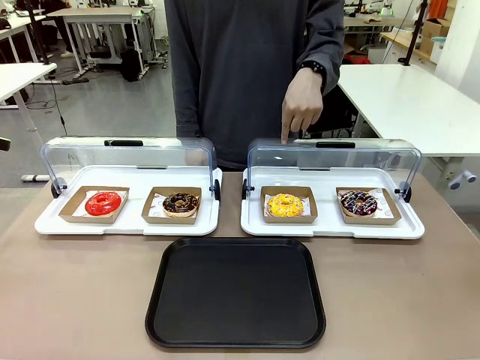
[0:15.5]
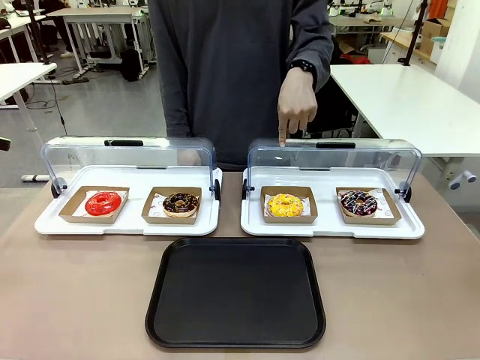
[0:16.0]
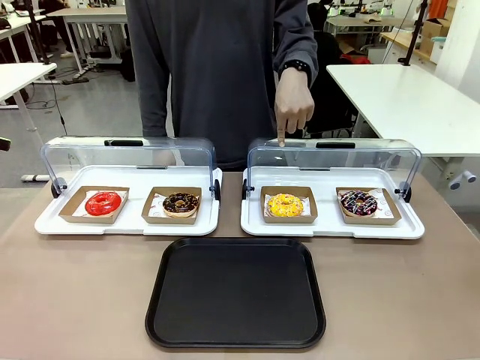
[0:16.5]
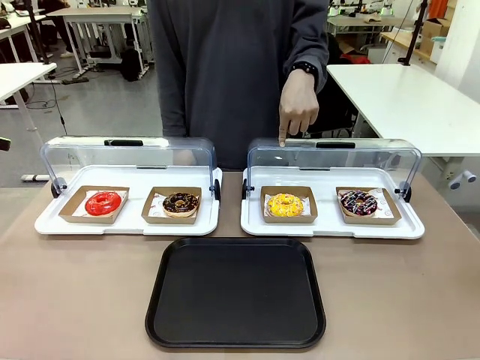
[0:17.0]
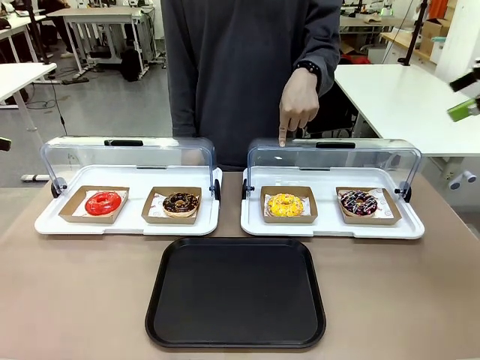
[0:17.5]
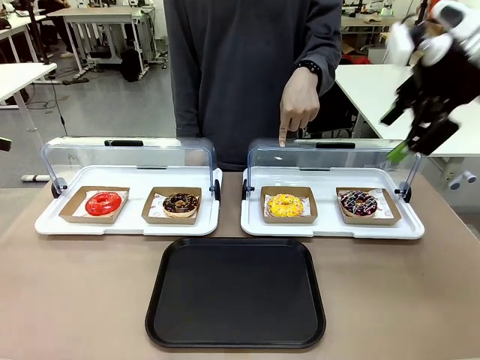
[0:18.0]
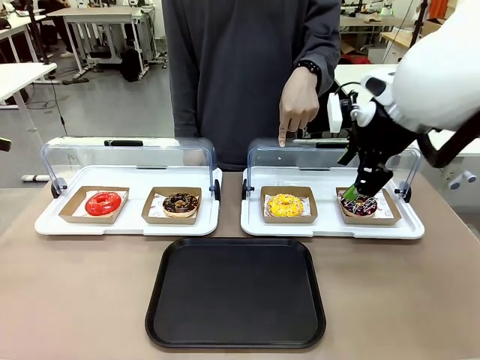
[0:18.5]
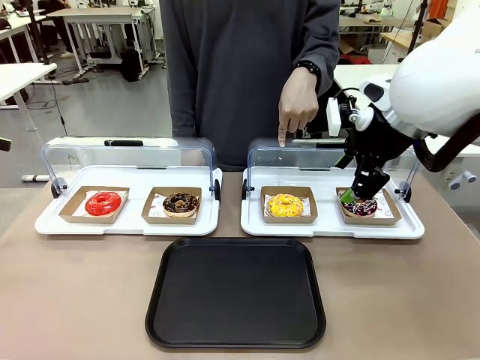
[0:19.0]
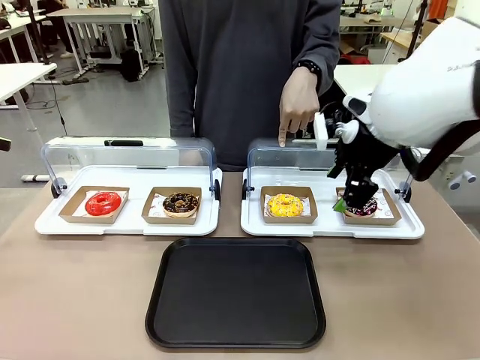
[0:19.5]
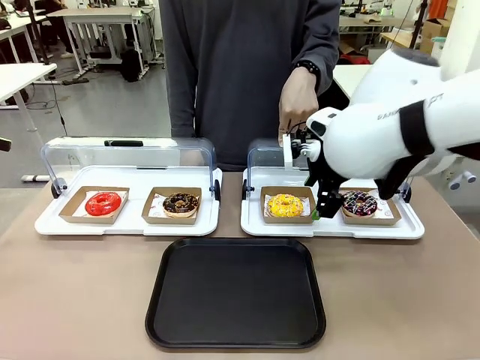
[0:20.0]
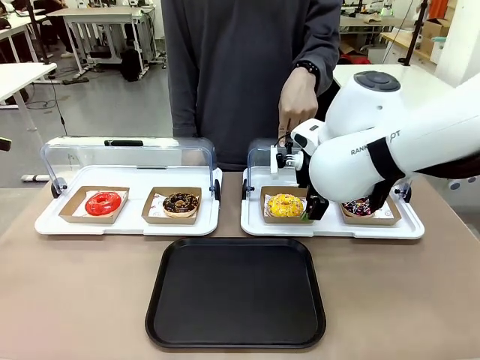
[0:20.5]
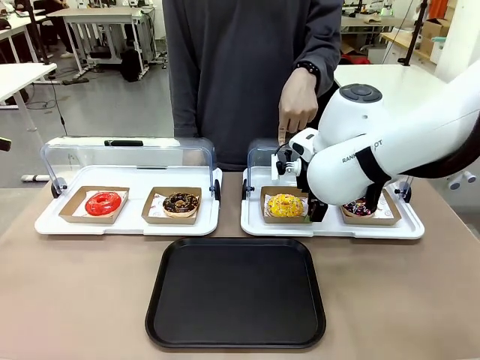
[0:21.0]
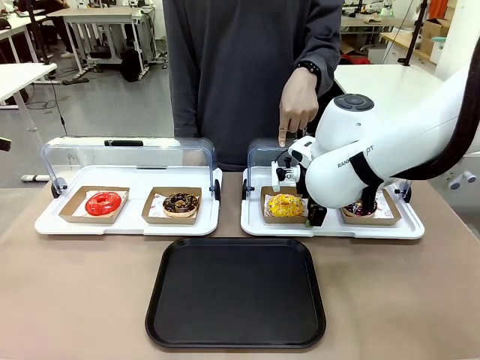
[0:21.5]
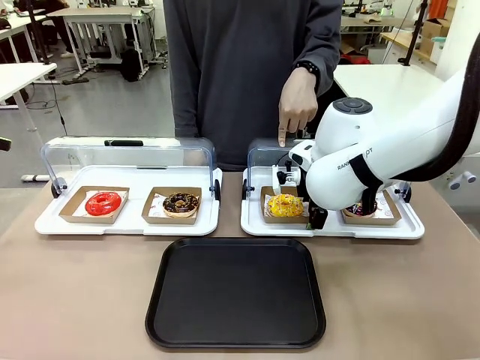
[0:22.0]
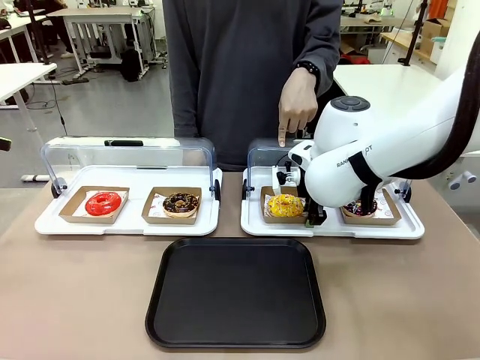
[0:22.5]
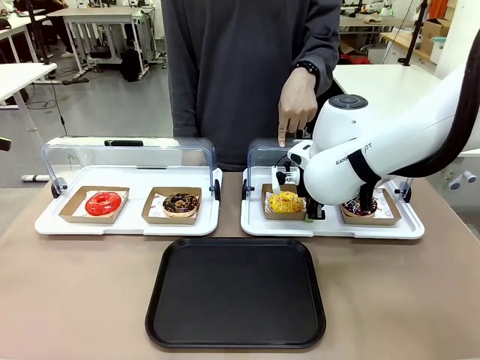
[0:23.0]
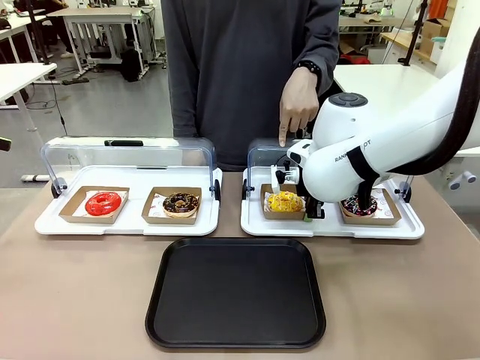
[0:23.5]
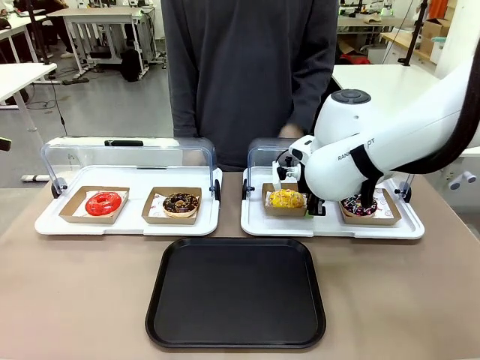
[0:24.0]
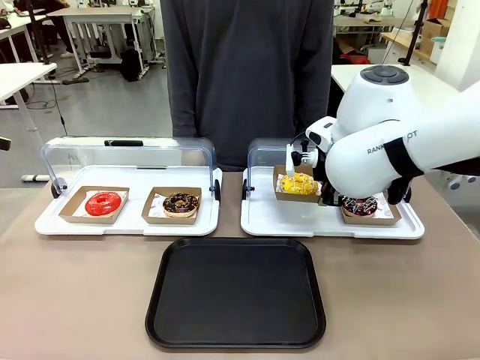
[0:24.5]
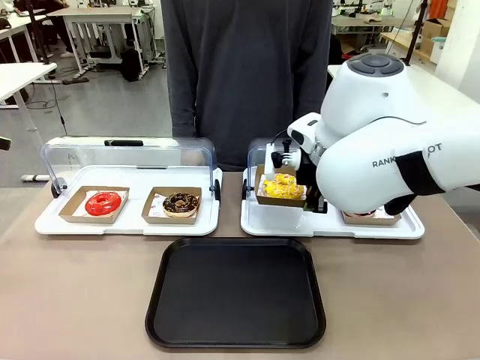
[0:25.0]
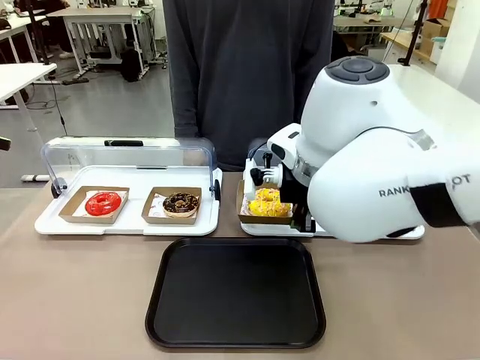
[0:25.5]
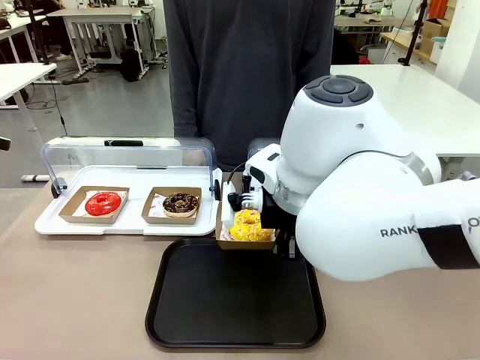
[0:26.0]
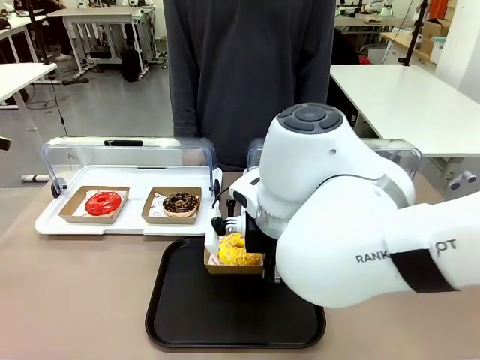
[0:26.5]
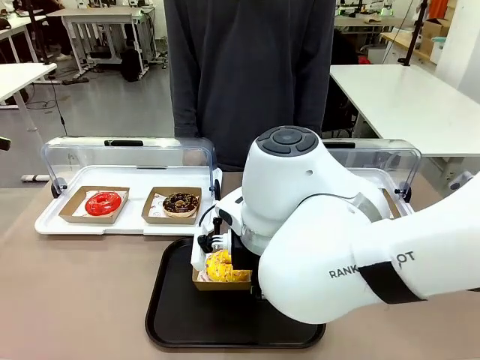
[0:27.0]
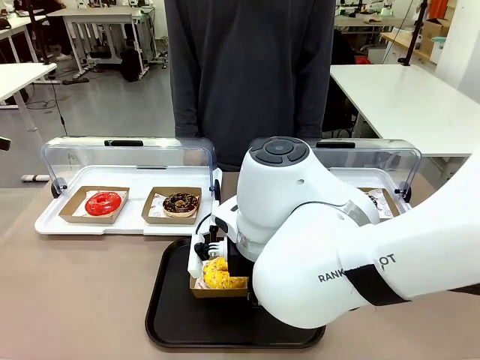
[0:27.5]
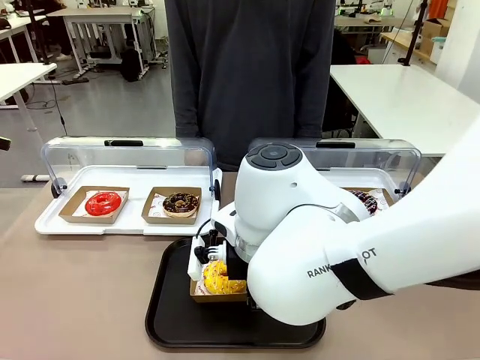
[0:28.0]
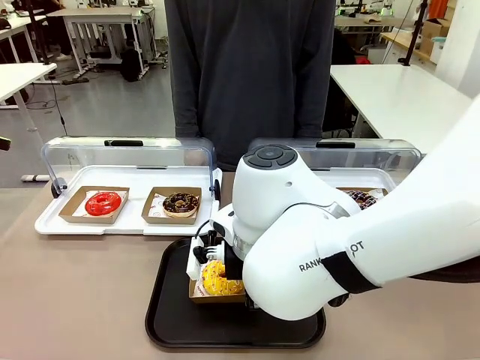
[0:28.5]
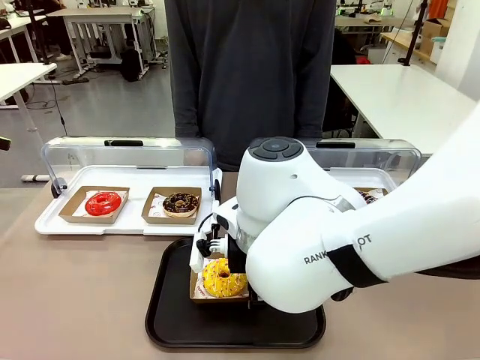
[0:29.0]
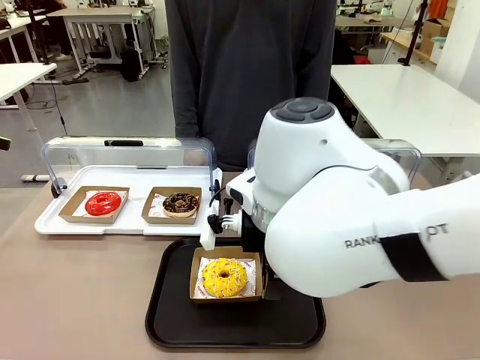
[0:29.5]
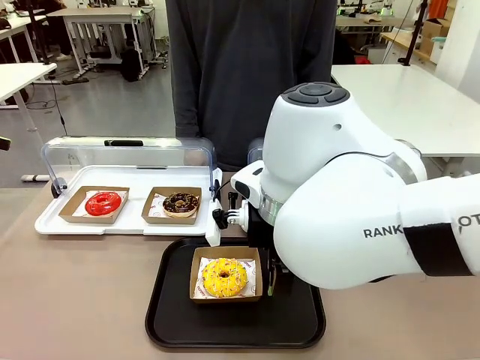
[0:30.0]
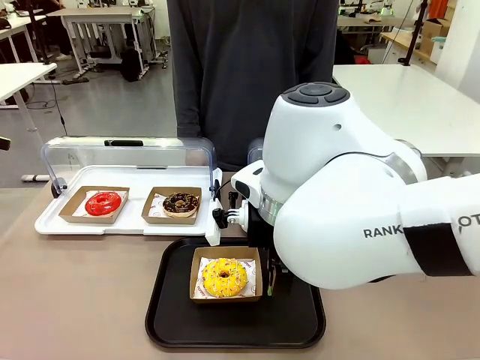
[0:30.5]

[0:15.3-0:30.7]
Task: Move the third donut from the left to the tray.
Robot: Pick up the Paper togo box containing the Donut indicated by the person and place it on the Handle tray.
Person: Points to the third donut from the left from the robot’s perspective.

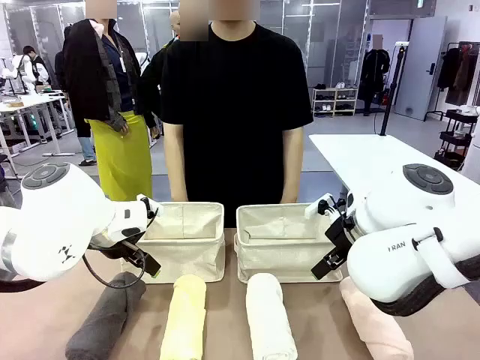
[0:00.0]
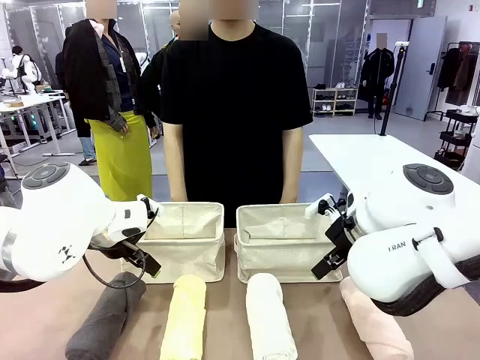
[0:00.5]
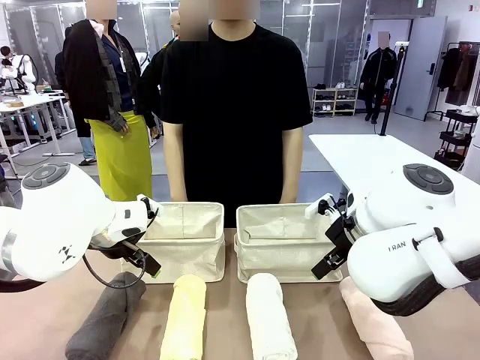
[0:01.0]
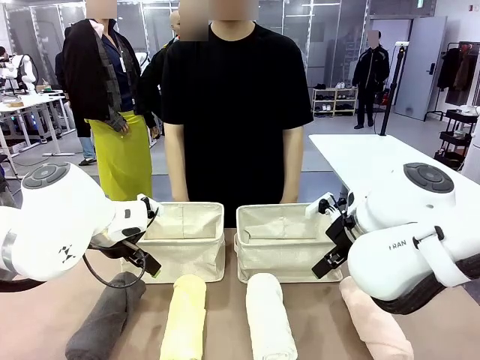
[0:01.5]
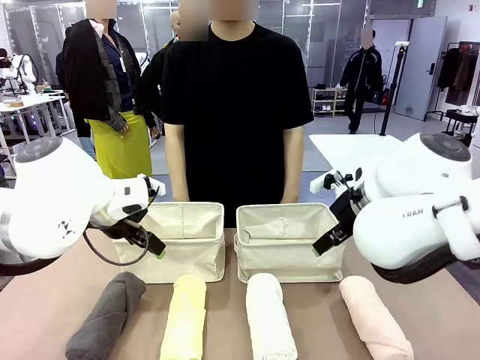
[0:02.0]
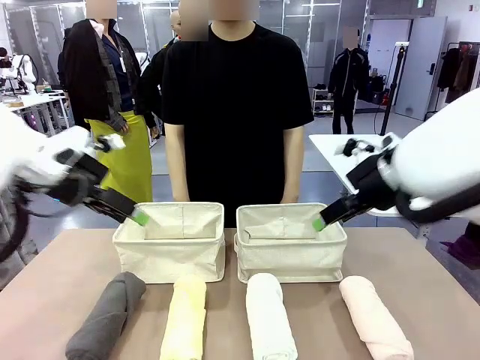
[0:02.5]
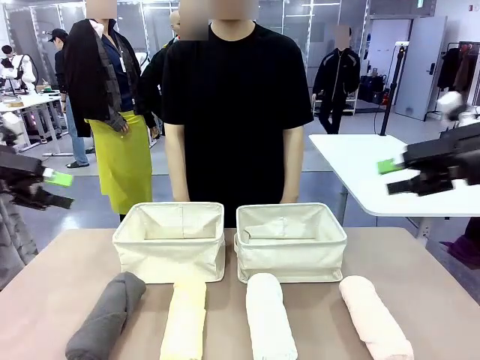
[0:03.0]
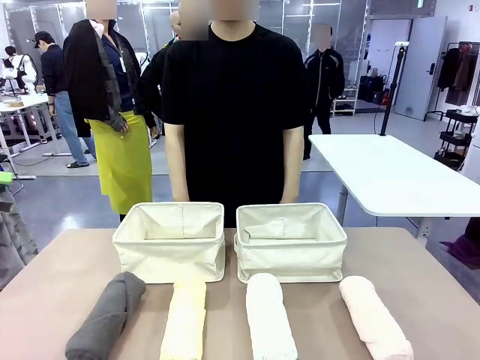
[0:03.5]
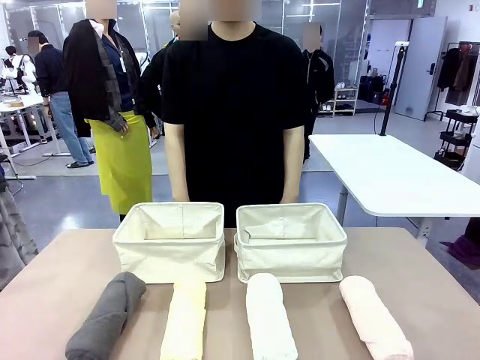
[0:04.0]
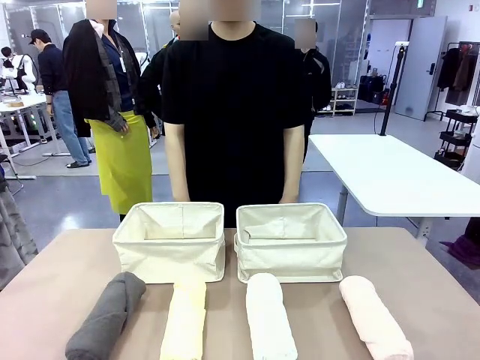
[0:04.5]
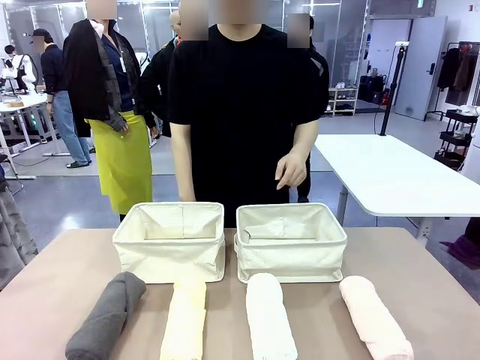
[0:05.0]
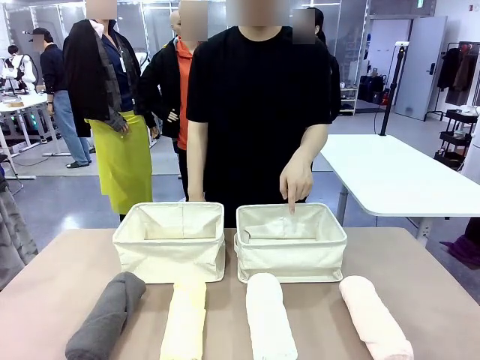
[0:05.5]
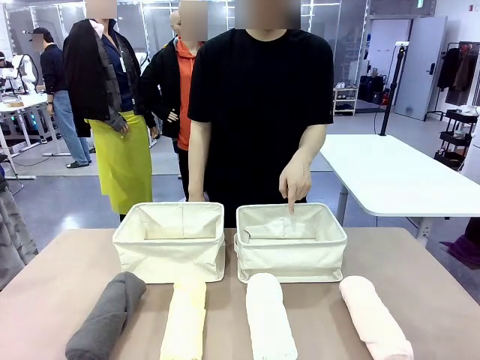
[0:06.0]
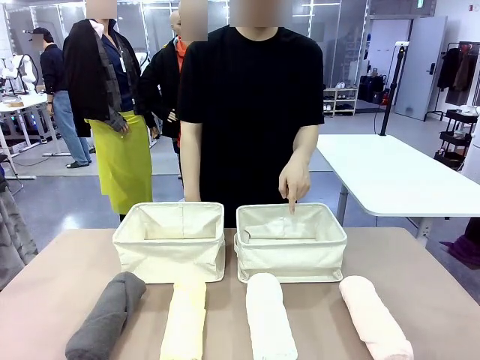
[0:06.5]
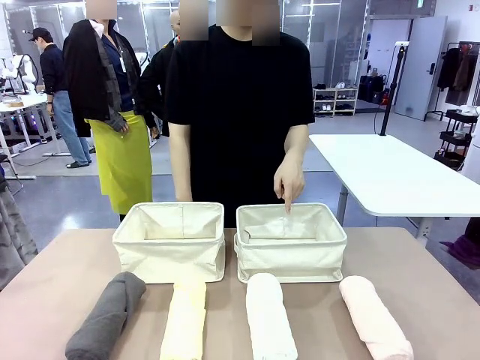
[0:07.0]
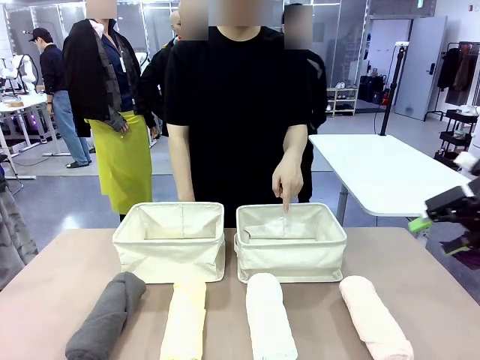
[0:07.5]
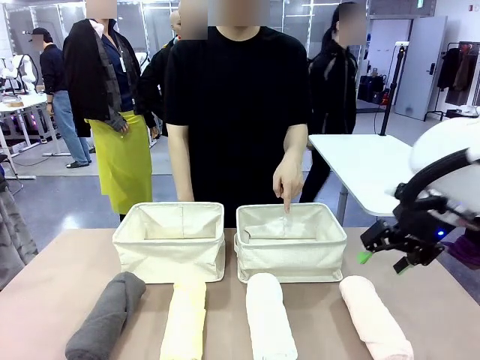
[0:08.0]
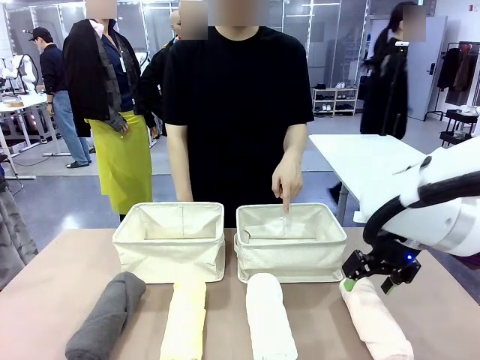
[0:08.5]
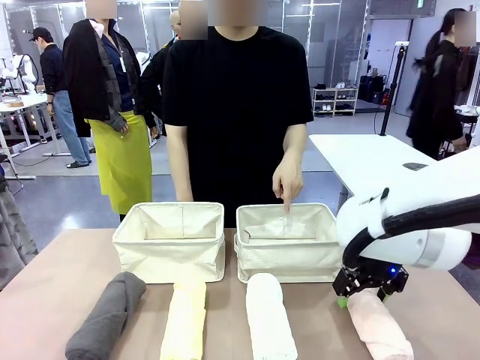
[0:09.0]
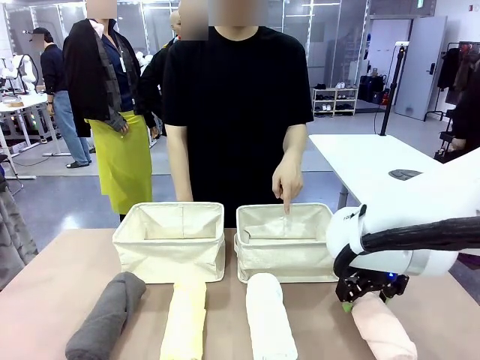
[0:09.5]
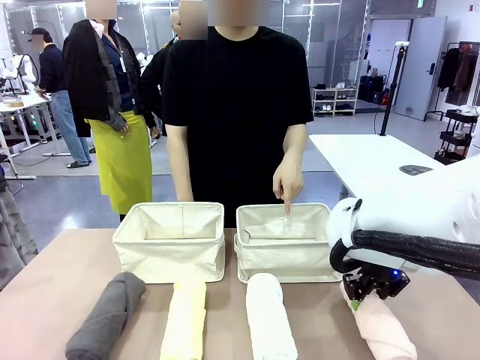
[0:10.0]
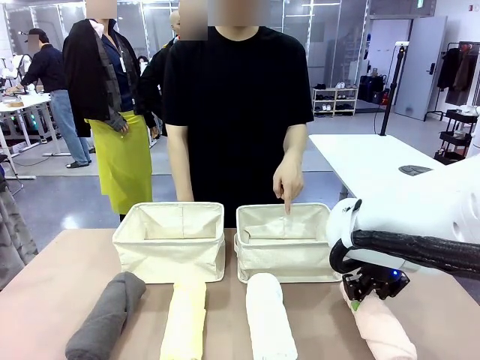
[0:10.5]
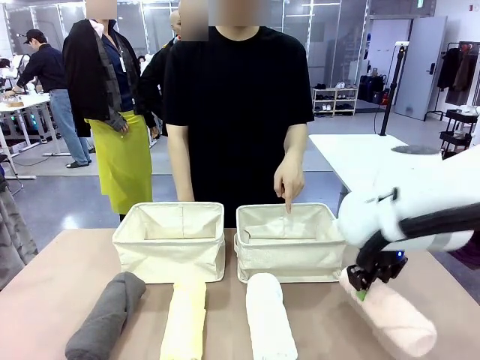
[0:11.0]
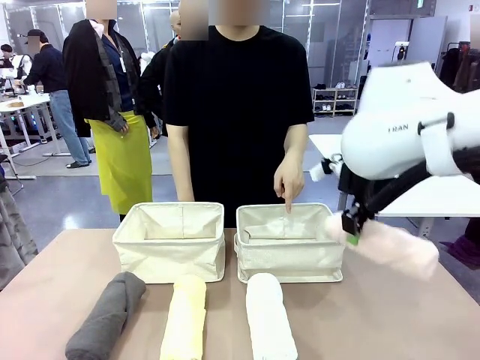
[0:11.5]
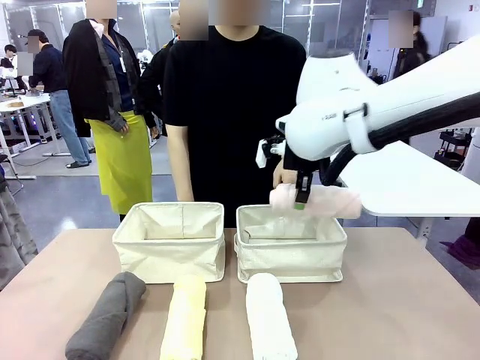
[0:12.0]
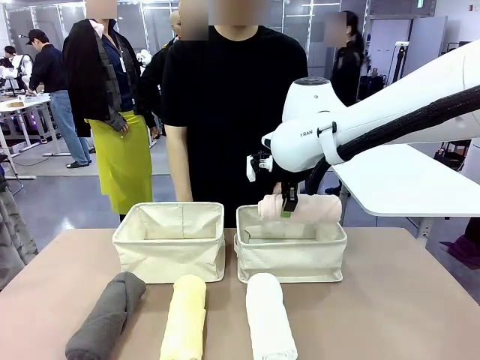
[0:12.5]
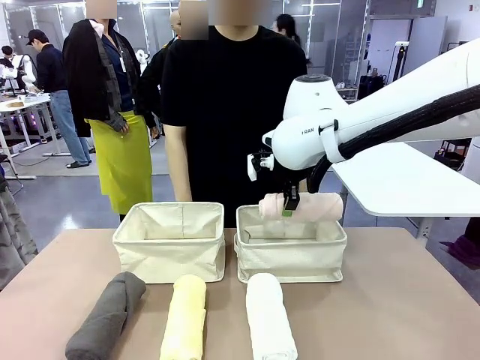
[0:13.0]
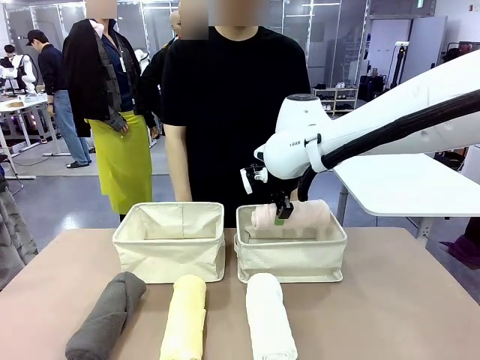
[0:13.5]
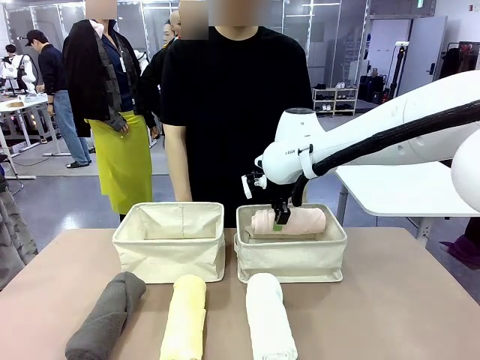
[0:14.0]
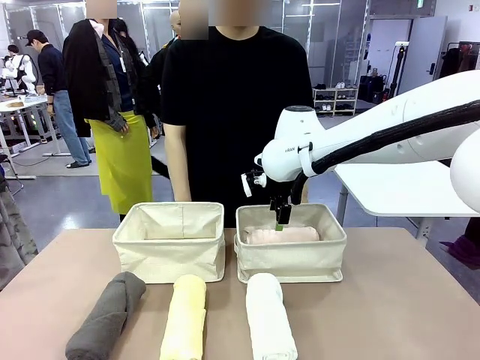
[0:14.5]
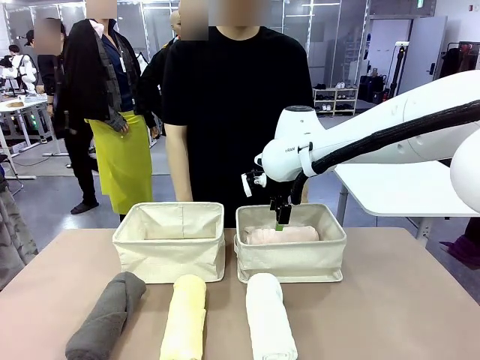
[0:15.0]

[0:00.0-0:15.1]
Task: Divide the towels into two baskets.
Robot: Pick up one hotel-folded towel and place it in the Fabric basket indicated by the person.
